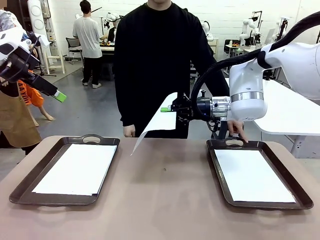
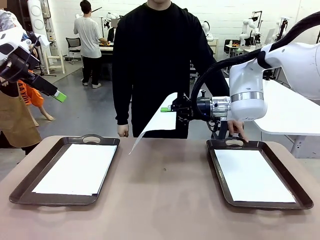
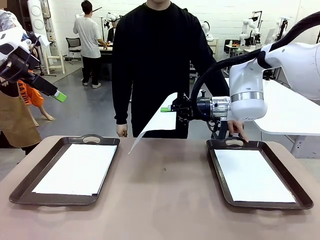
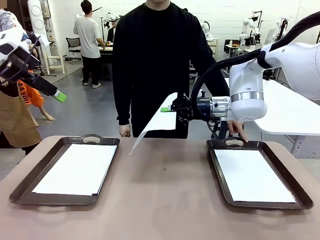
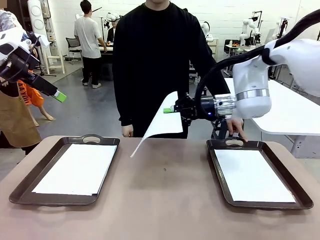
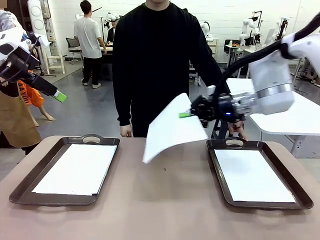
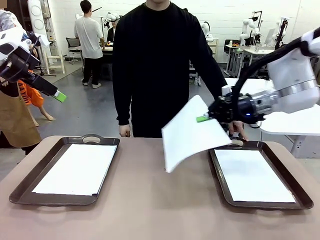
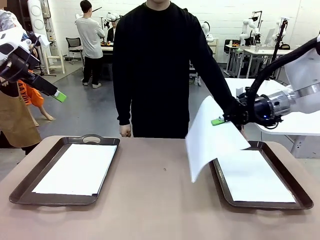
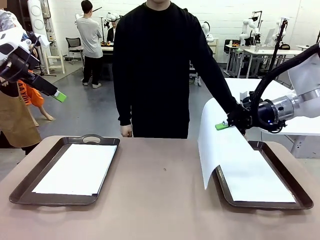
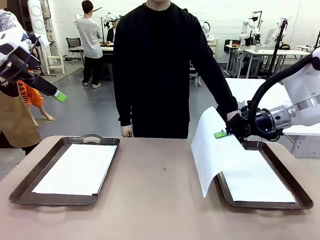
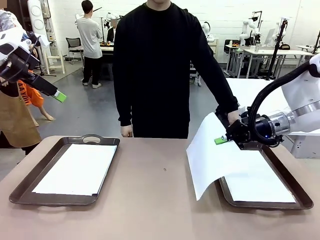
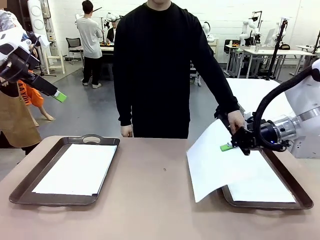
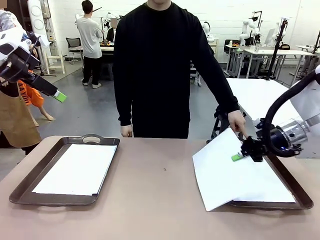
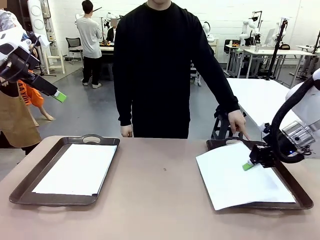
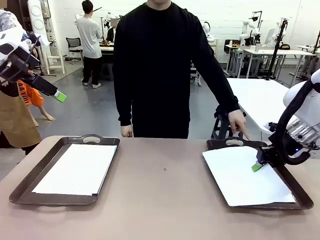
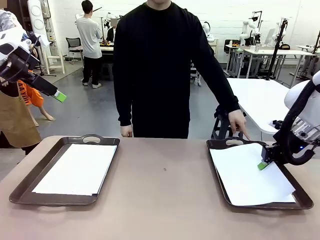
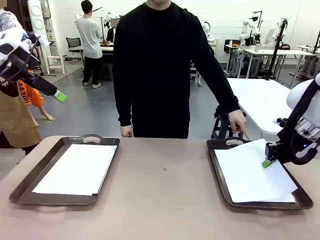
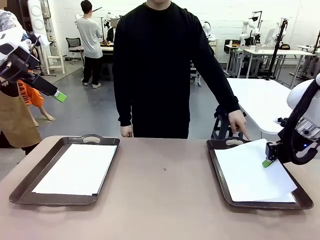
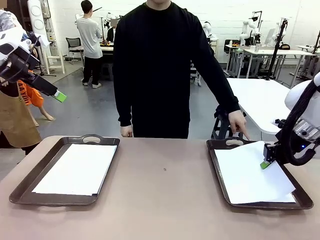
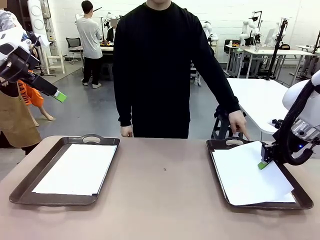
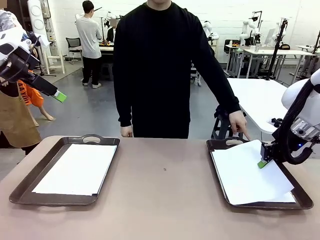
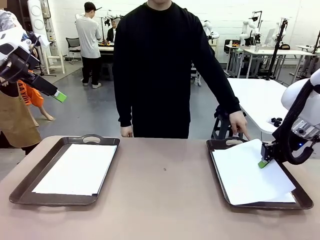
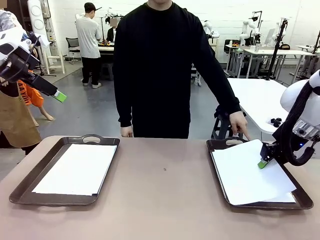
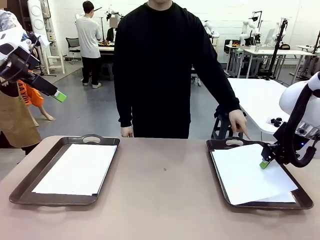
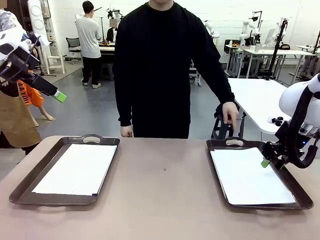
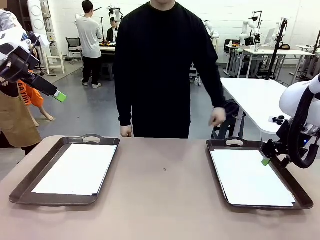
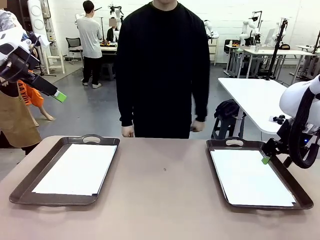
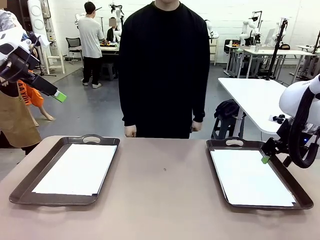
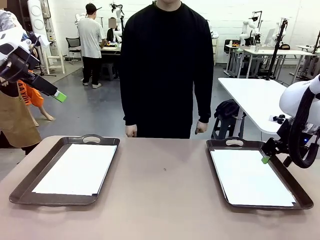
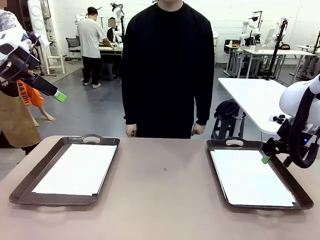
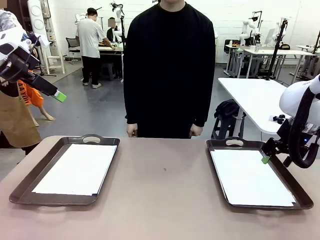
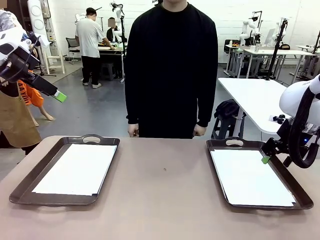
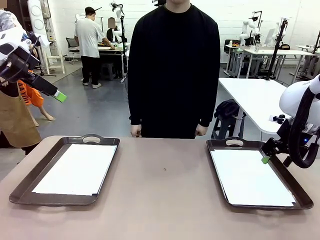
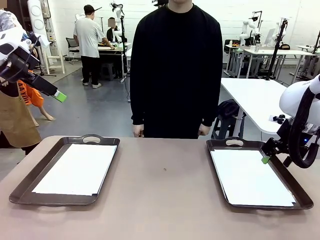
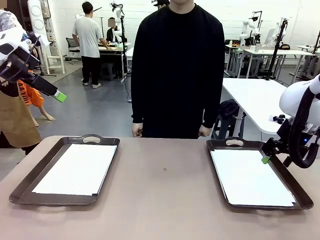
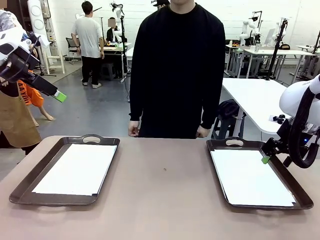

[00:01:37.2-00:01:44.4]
Task: Sort the A4 documents.
Robot: Place the A4 Paper in the designated Handle tray.

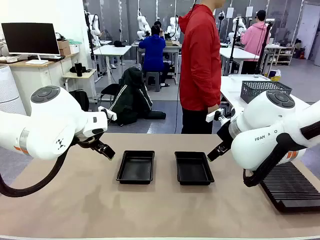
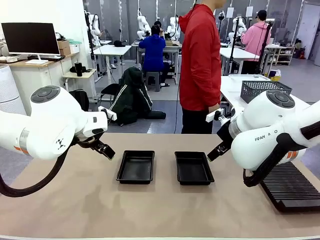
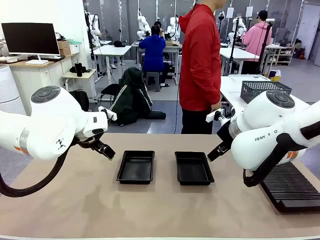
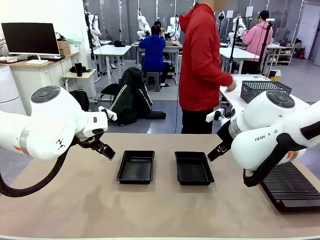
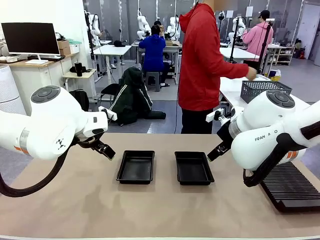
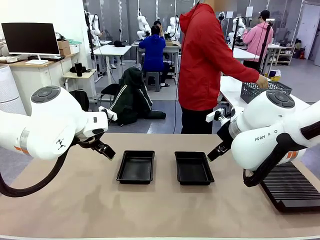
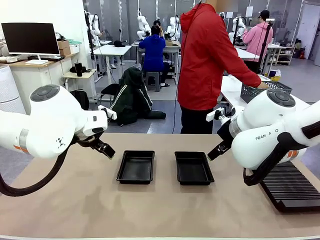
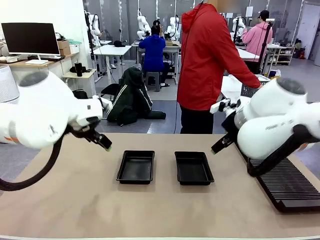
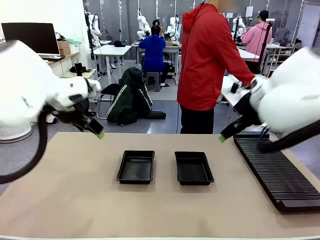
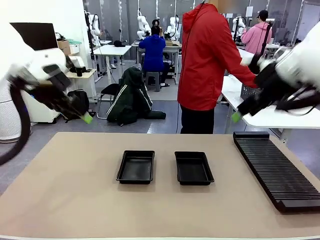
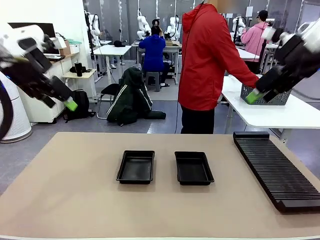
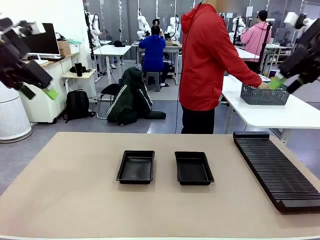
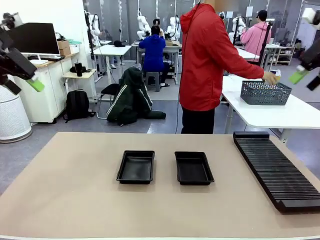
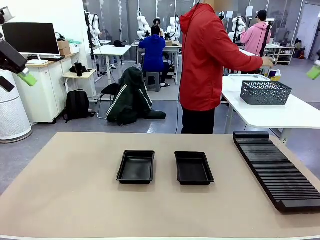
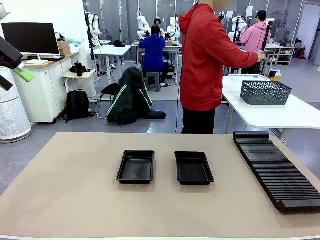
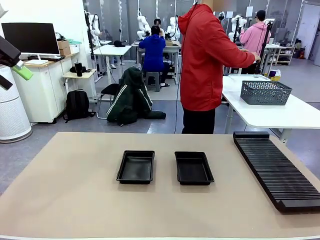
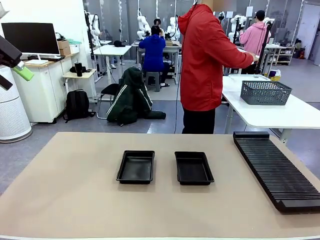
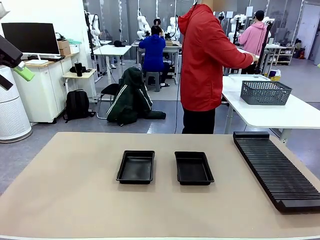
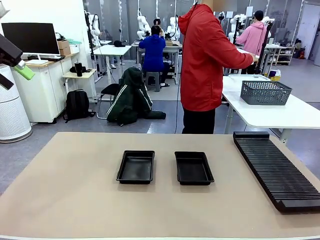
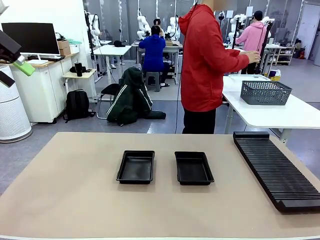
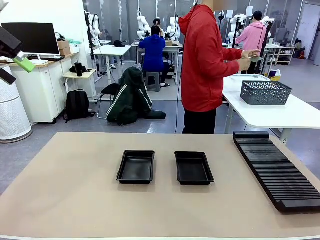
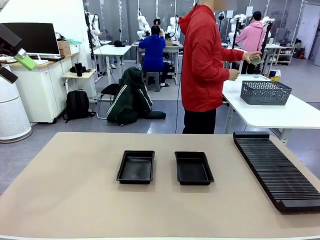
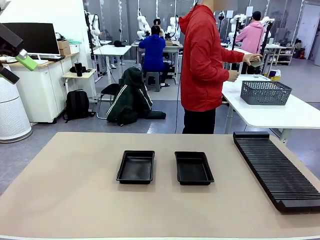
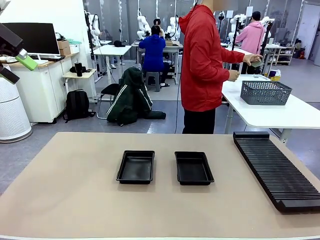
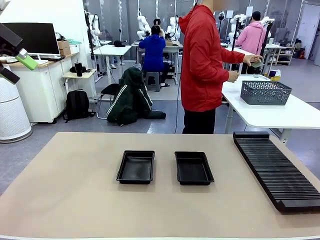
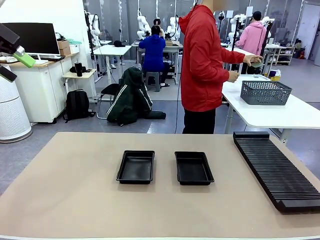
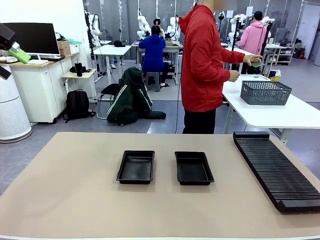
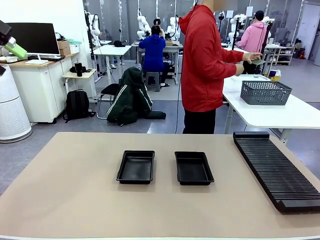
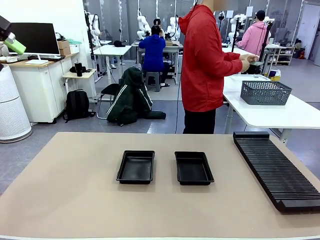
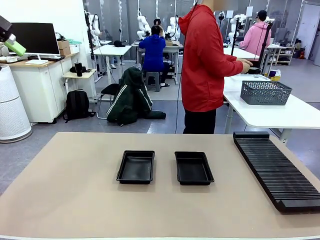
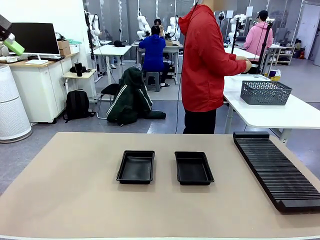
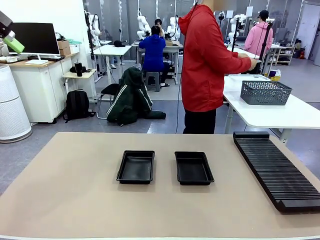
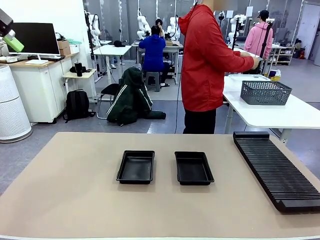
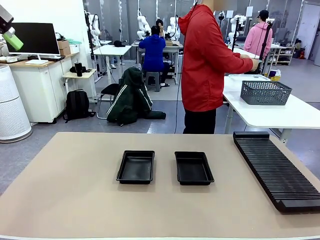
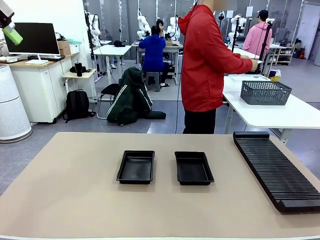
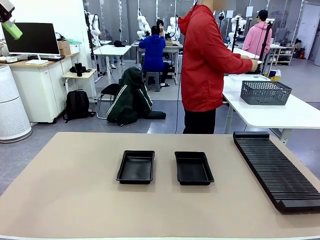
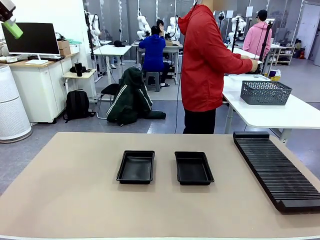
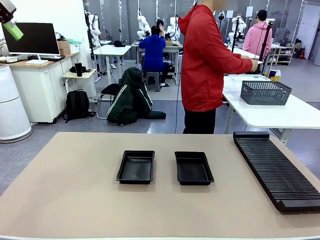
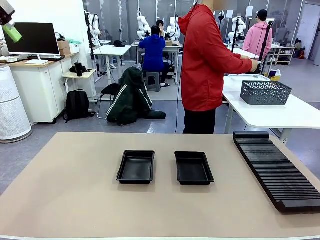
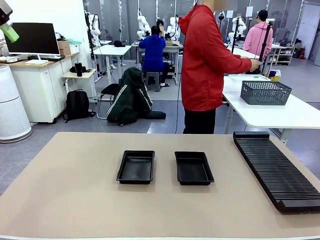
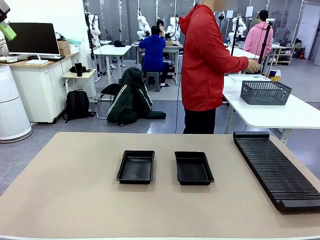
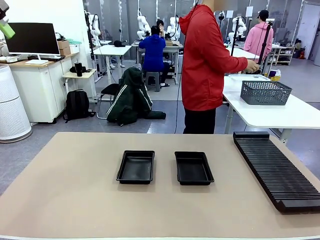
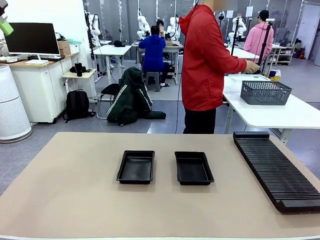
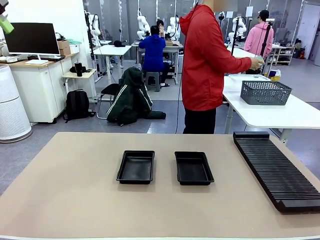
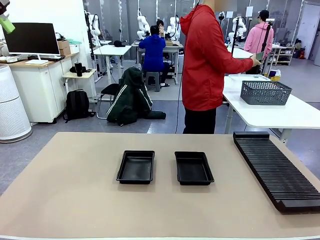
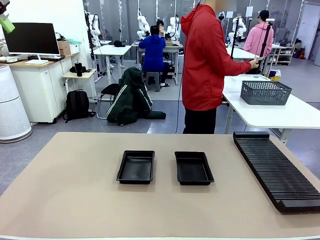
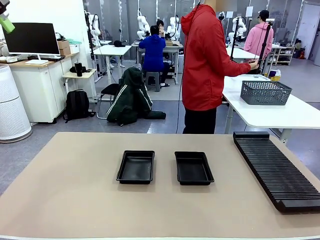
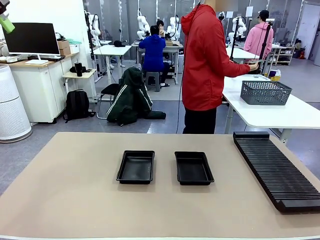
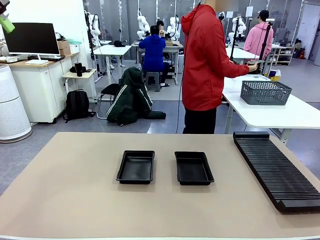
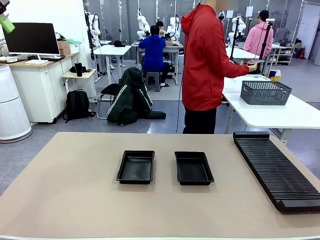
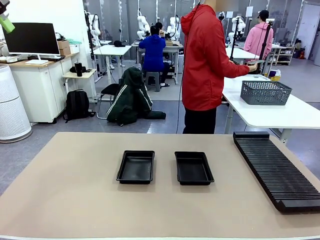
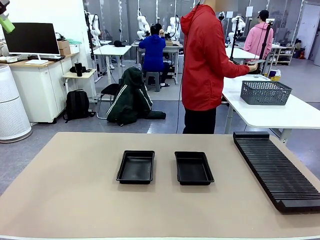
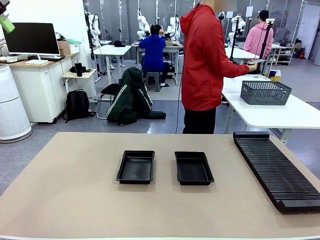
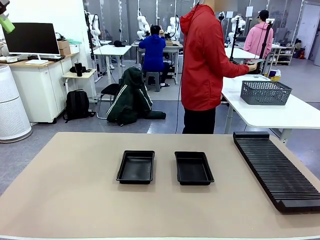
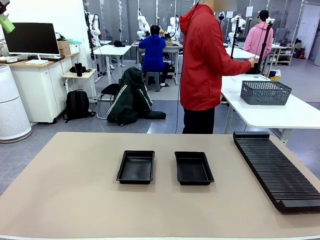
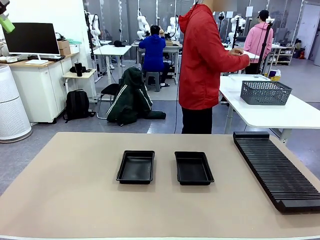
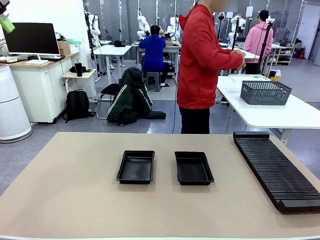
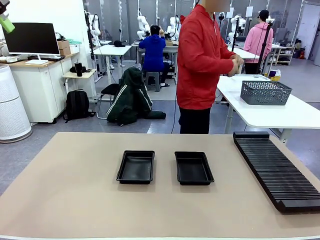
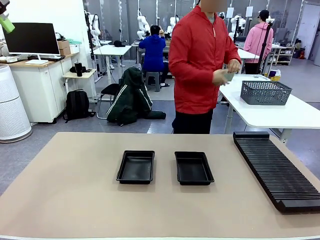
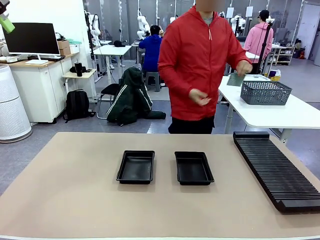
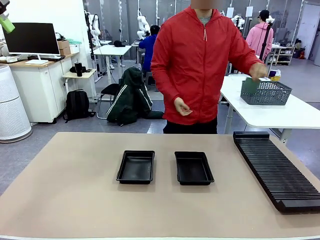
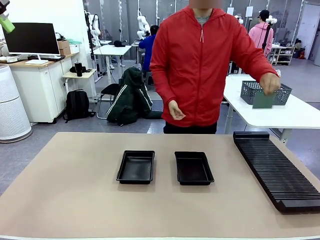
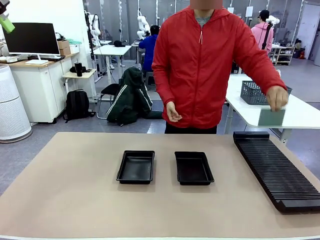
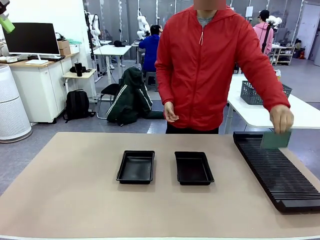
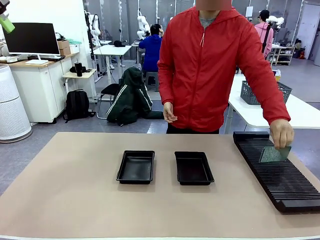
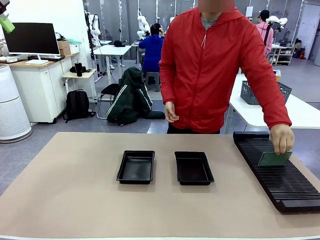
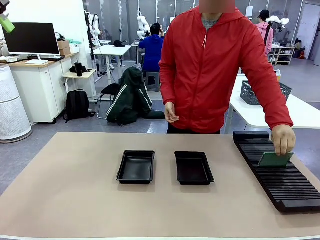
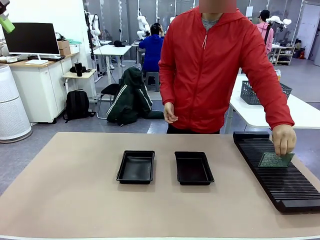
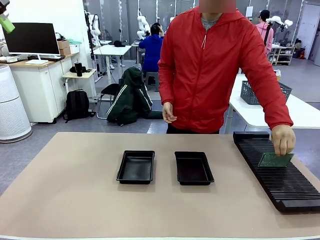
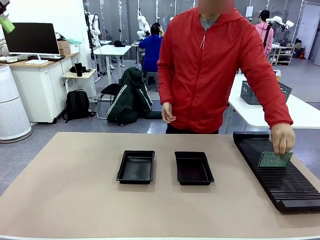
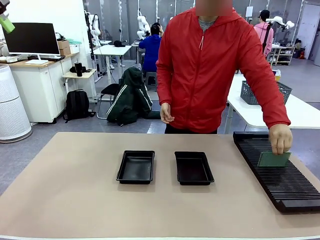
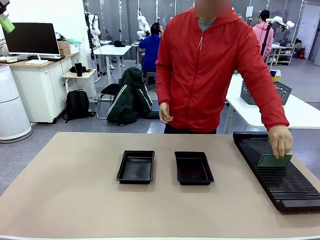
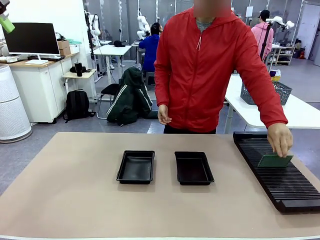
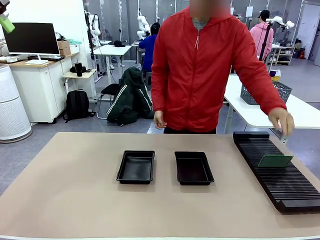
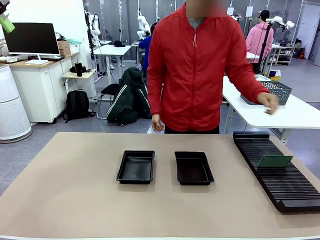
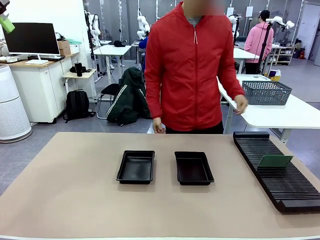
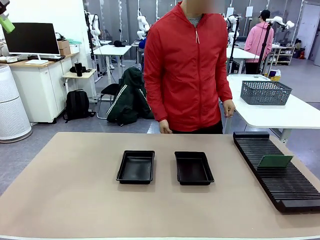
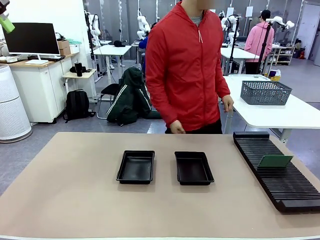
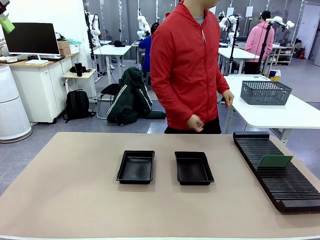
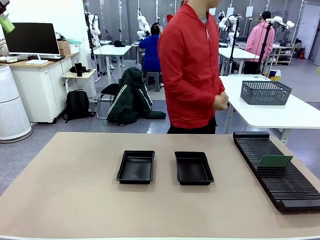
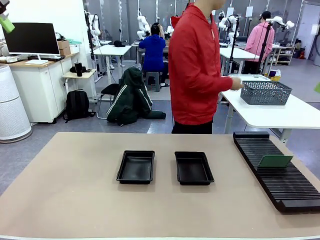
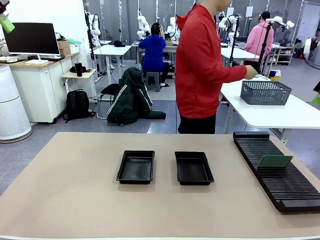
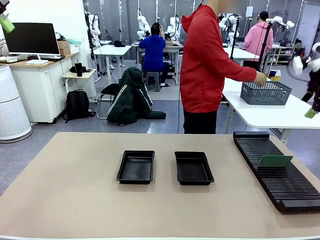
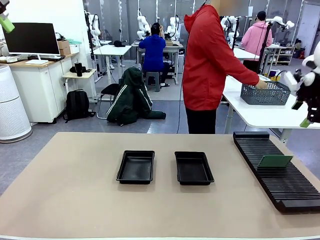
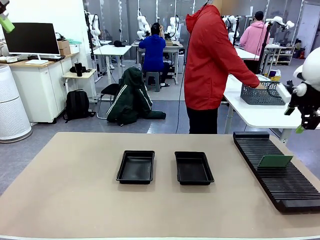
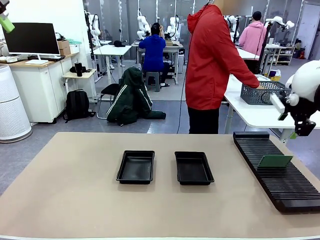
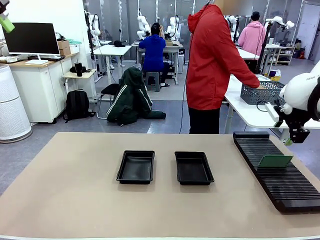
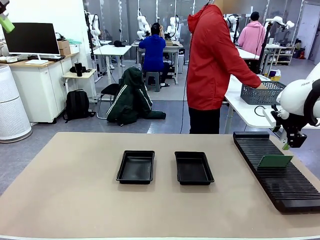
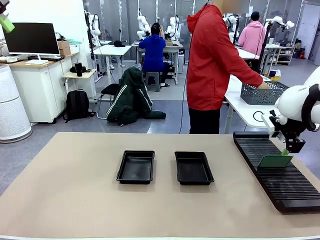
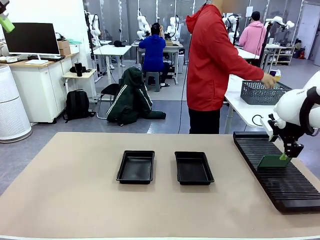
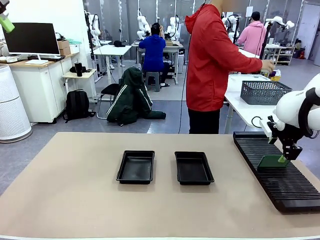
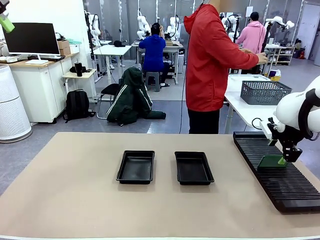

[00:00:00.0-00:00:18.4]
Task: Inspect and transfer BCBs to ESD trays.
Robot: Pick up the Blank PCB from the PCB Rack and place it in the left ESD tray.
